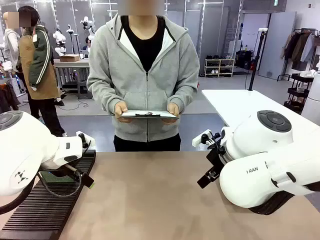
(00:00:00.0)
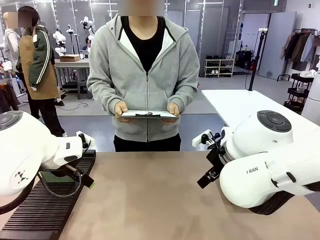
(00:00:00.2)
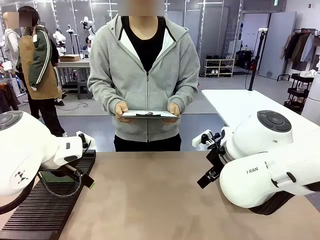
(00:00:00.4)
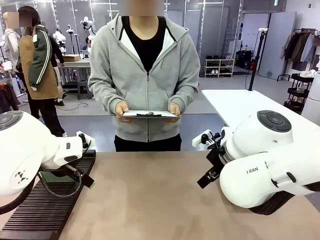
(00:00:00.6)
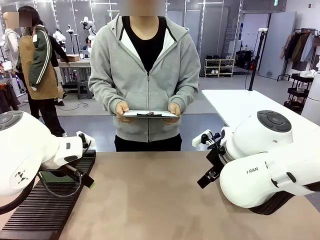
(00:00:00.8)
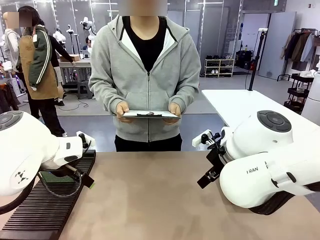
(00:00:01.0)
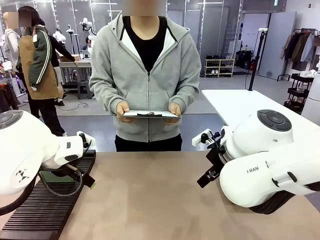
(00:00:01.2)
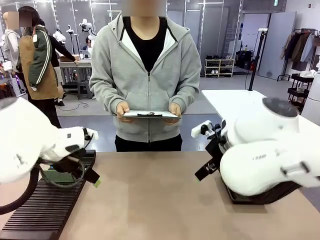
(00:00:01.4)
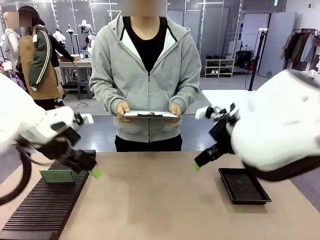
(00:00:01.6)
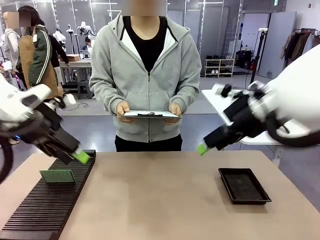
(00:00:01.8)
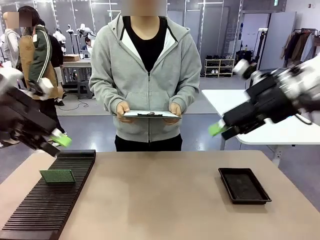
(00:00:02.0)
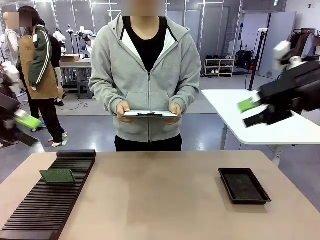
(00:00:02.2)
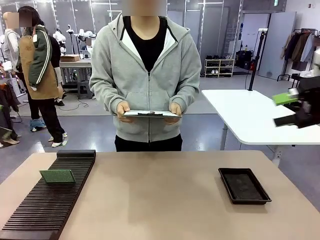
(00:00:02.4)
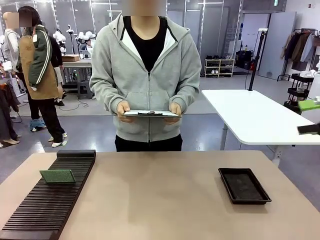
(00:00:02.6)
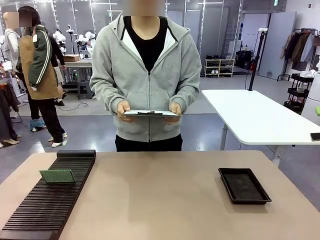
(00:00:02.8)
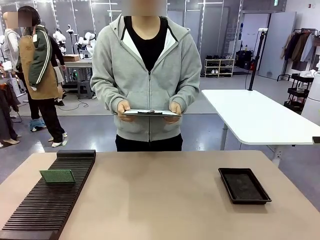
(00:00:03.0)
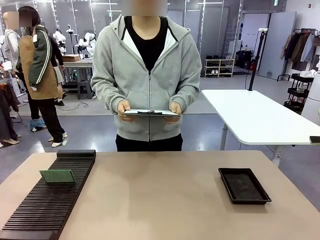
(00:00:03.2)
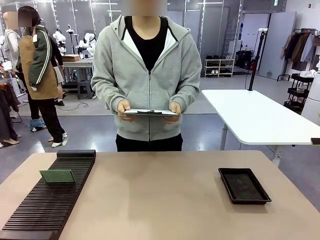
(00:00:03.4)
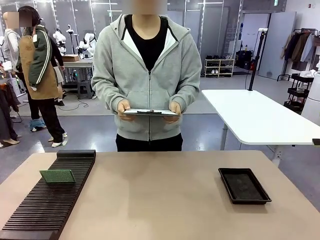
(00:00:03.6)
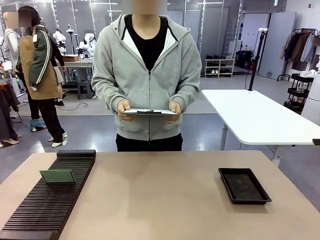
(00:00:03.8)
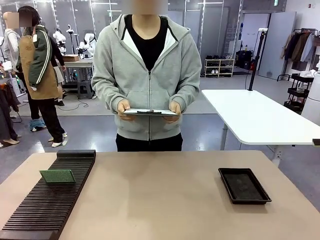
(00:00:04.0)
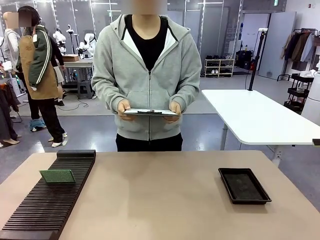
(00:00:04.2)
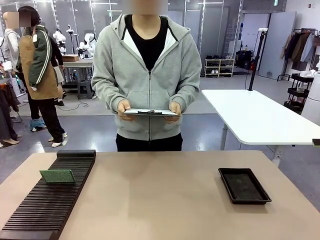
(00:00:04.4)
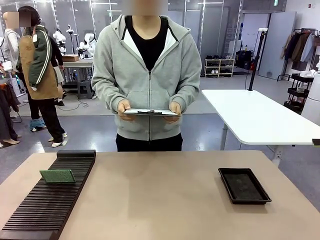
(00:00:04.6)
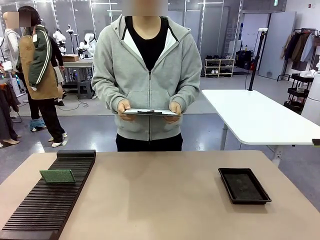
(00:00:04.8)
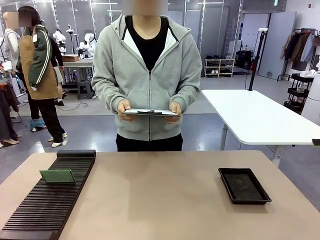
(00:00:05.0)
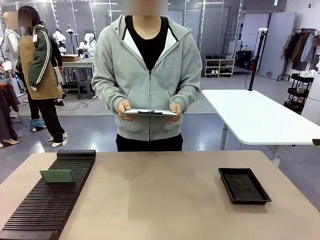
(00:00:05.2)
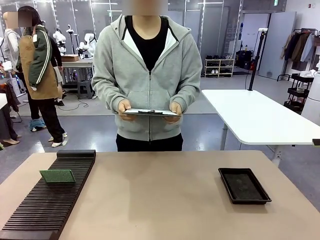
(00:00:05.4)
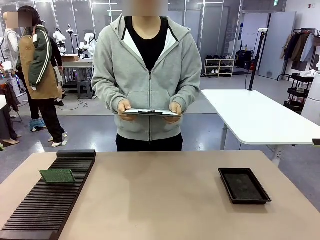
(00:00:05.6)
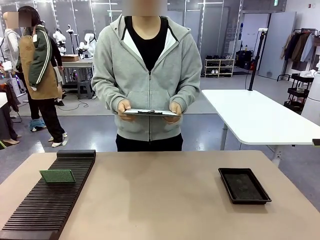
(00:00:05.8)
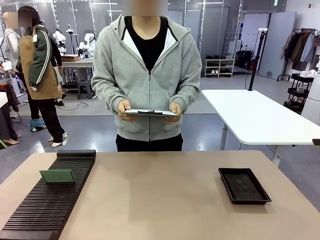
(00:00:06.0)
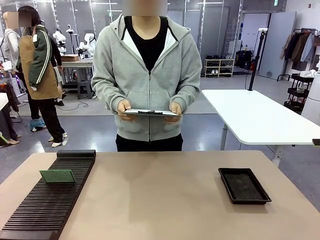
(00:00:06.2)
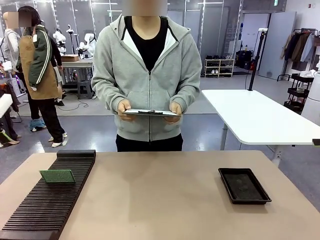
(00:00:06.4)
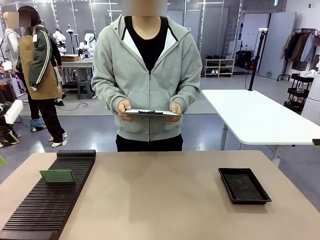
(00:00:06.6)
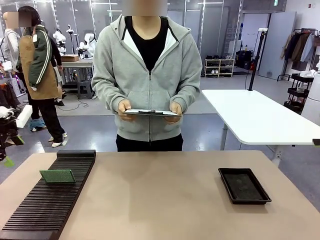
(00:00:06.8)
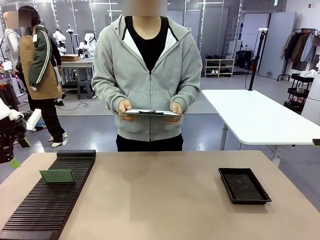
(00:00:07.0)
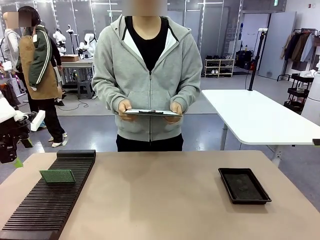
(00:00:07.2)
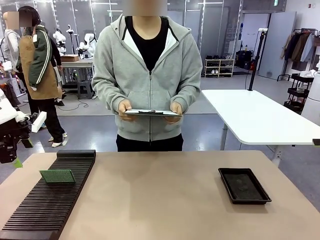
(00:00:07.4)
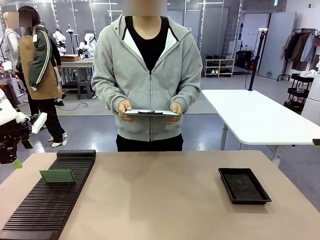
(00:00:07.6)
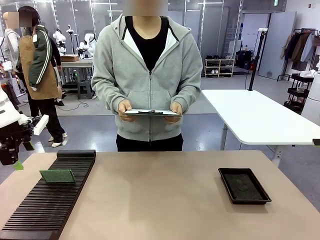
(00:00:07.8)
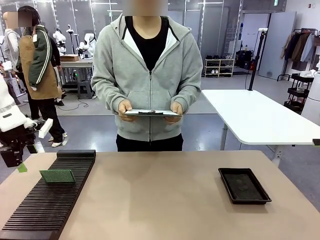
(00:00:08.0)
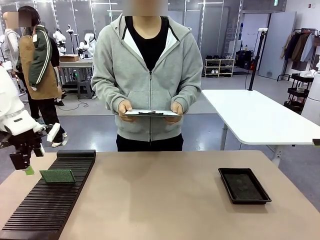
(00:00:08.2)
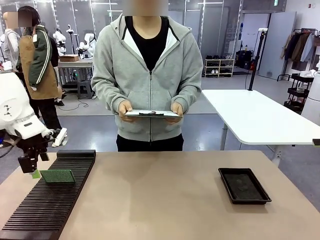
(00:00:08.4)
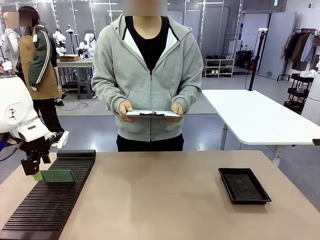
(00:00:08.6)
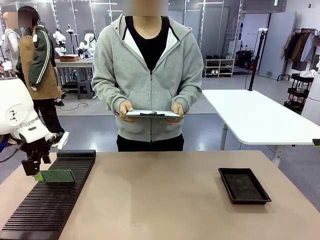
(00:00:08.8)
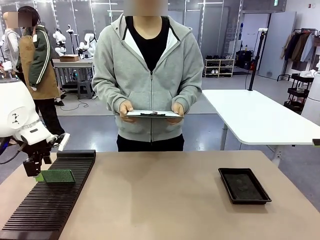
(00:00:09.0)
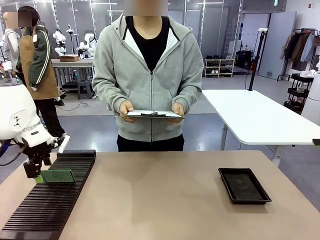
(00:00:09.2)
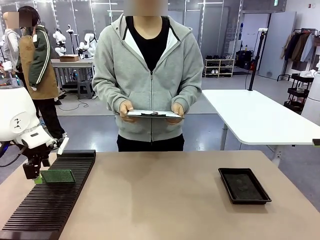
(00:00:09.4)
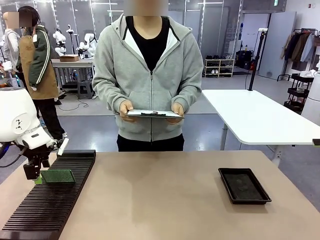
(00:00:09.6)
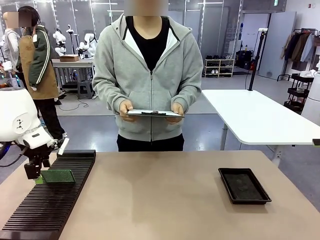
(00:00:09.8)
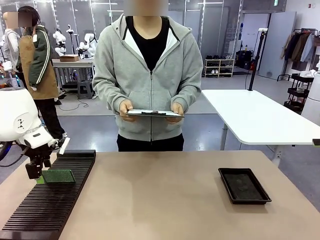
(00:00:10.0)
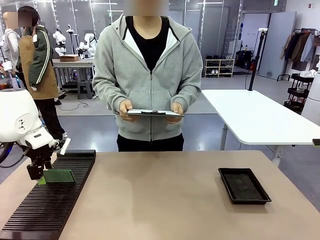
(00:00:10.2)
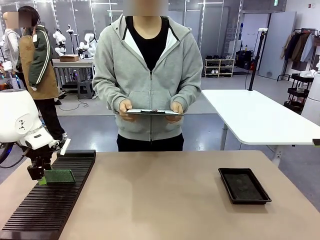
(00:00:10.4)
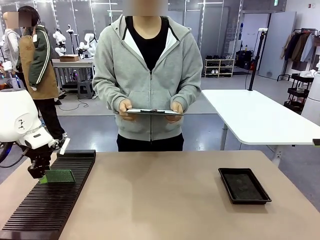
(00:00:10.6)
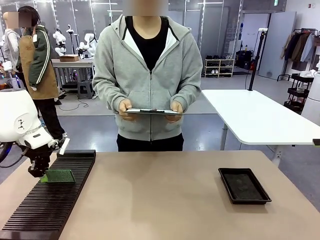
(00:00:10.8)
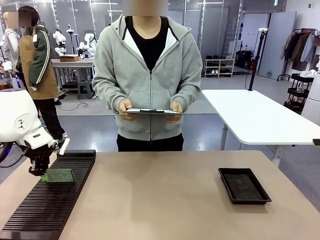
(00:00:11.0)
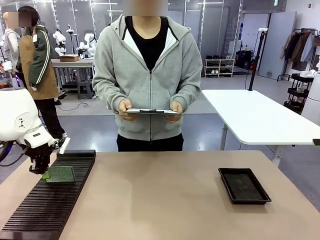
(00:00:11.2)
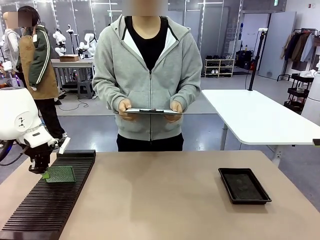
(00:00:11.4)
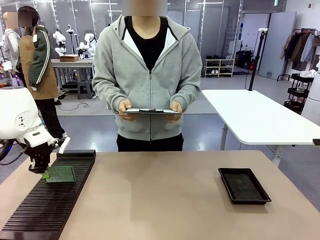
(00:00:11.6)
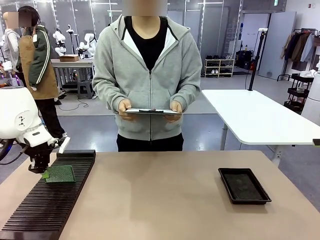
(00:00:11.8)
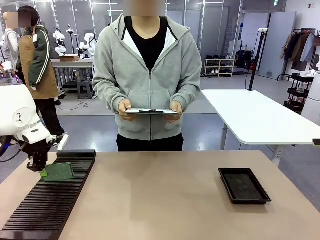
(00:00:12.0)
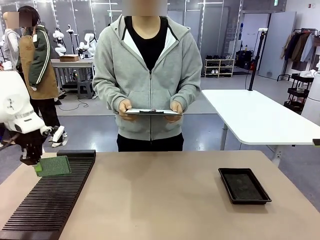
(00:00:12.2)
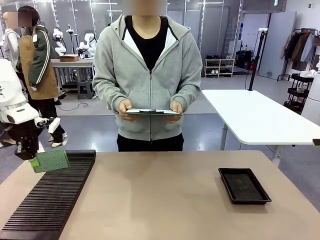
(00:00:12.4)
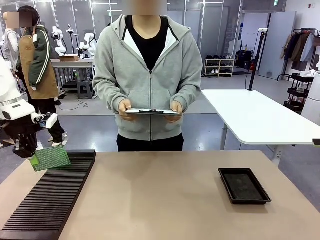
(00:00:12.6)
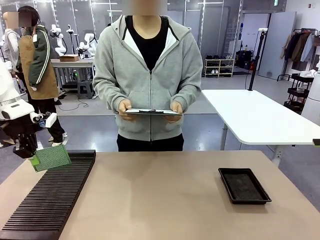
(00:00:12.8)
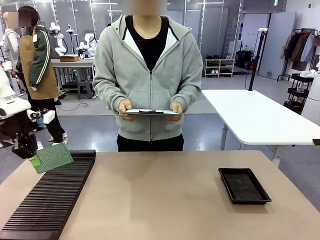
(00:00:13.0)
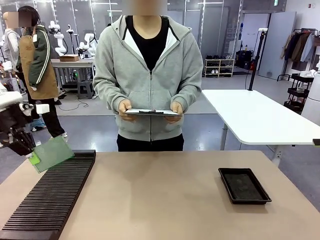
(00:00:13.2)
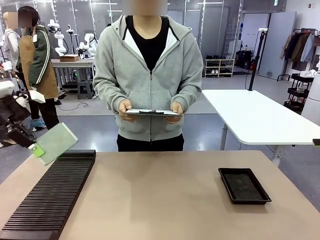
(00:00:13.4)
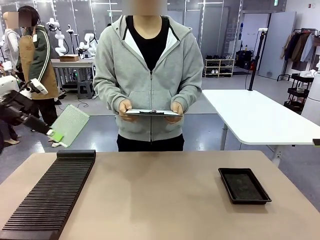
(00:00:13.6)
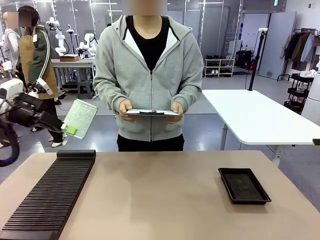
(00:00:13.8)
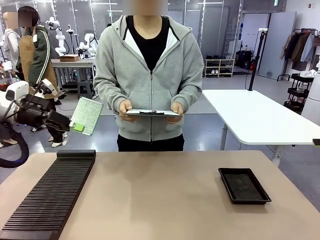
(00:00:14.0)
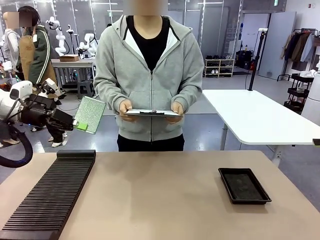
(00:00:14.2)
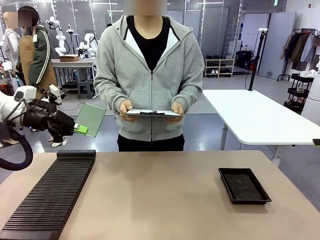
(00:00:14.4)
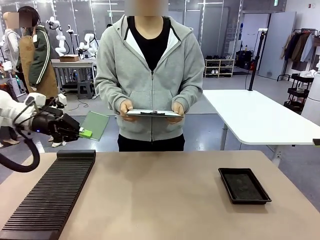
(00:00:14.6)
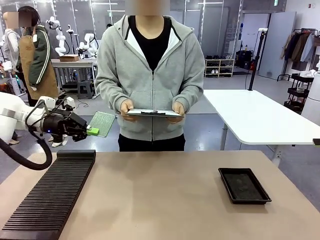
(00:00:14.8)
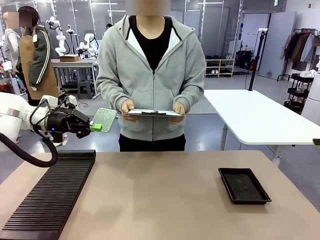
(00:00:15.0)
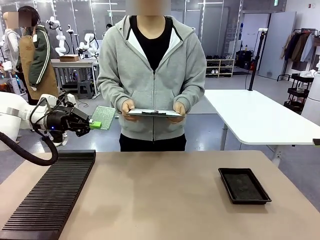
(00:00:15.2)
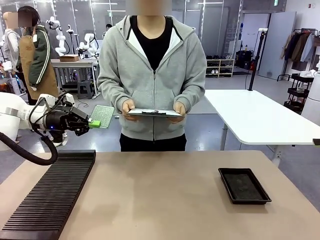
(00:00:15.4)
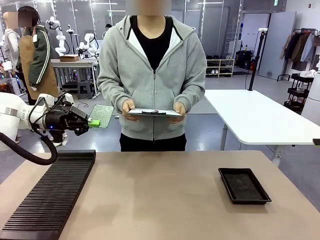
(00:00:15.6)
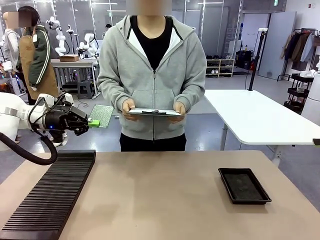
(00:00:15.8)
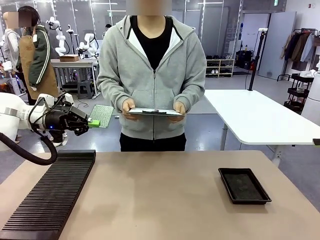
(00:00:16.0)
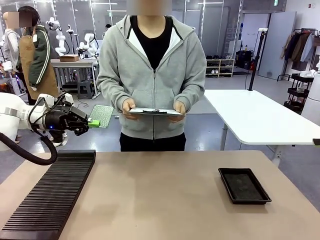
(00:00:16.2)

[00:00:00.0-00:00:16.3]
Task: Inspect the PCB.
Robot: Pick up the Blank PCB and present it to the human.
Person: Pick up the PCB presented by the robot.

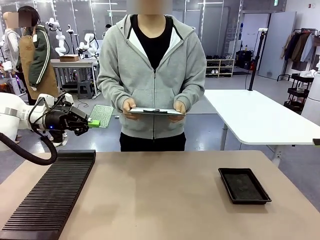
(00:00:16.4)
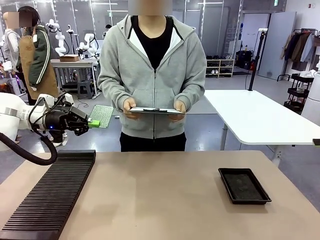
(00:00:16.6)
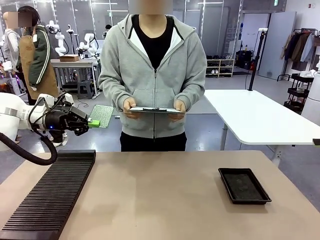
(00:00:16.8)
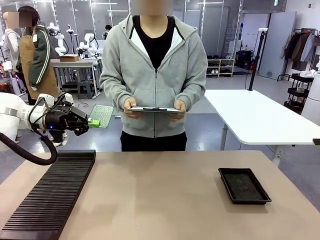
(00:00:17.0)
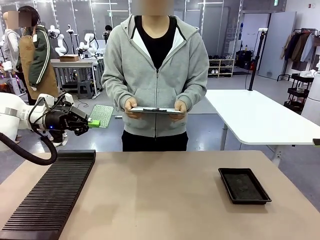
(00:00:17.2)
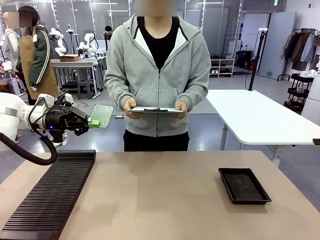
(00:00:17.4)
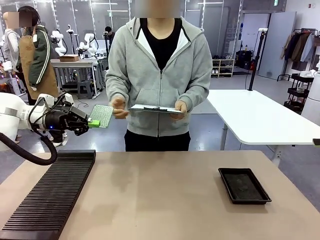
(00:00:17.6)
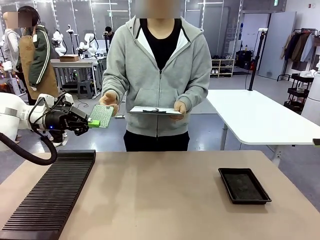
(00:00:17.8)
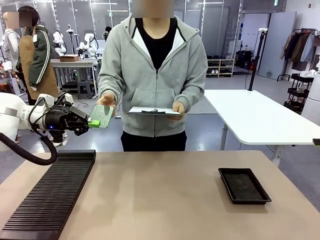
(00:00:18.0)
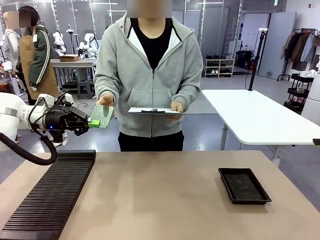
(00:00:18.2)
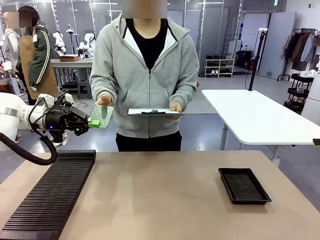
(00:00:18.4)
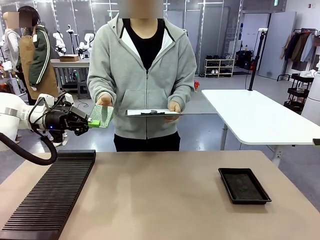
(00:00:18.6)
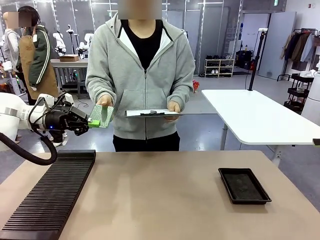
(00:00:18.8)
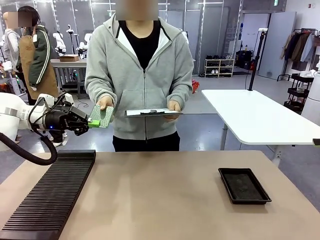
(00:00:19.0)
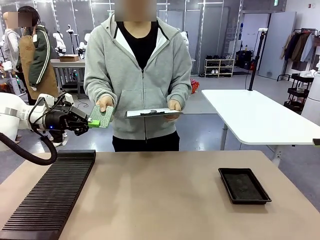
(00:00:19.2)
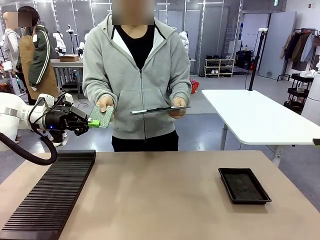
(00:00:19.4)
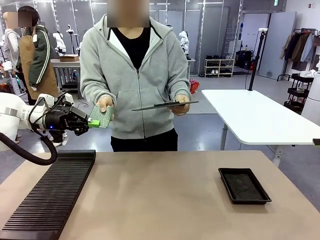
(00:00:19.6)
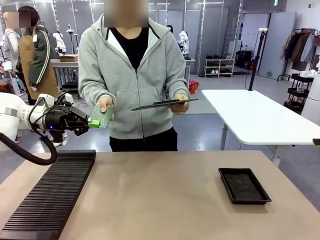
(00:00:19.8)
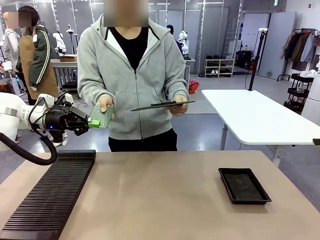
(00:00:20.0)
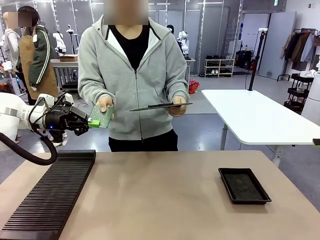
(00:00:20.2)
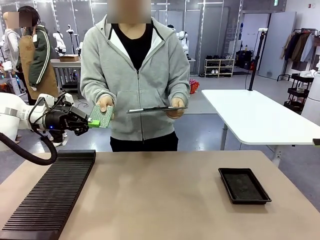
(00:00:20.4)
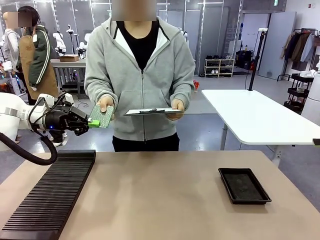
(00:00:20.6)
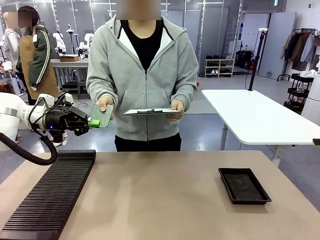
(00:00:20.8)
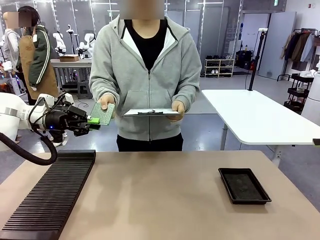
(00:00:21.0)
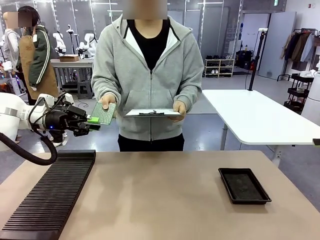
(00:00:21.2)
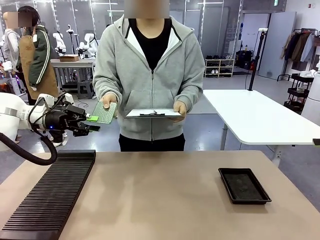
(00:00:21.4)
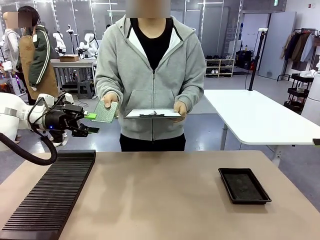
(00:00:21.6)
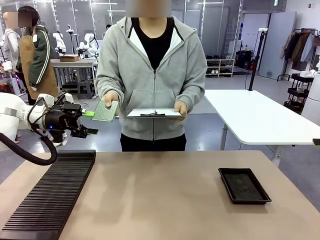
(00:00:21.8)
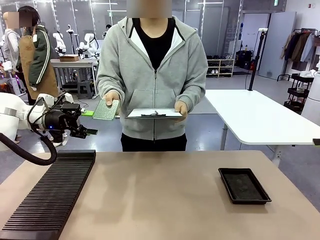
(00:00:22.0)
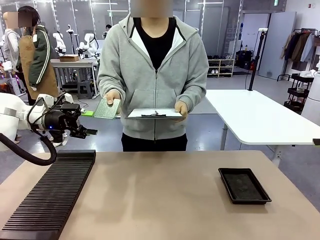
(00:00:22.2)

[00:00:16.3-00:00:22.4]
Robot: Release the Blank PCB you were holding.
